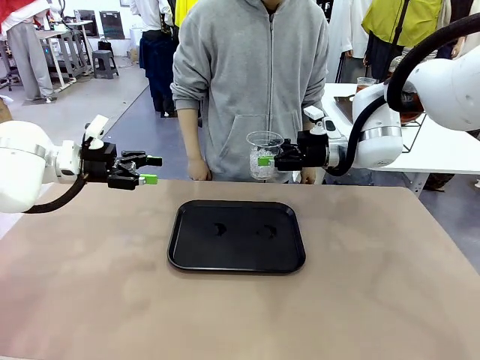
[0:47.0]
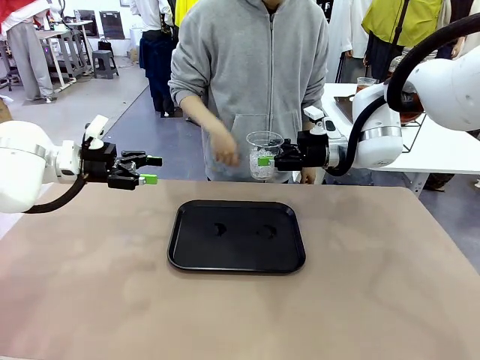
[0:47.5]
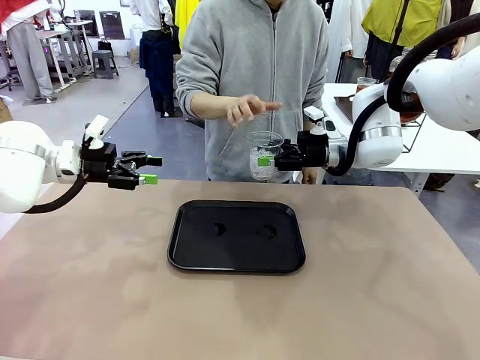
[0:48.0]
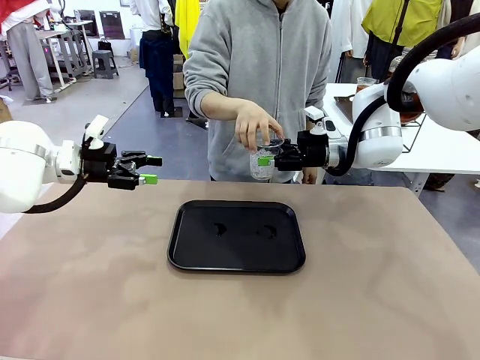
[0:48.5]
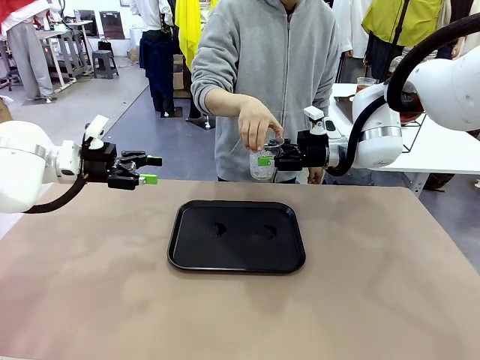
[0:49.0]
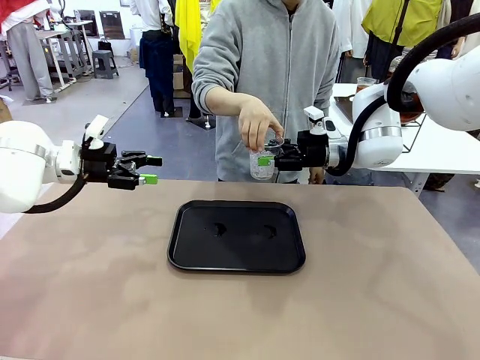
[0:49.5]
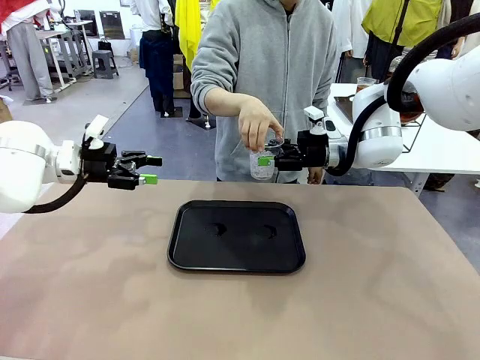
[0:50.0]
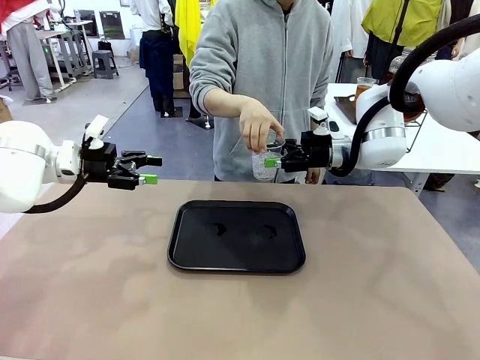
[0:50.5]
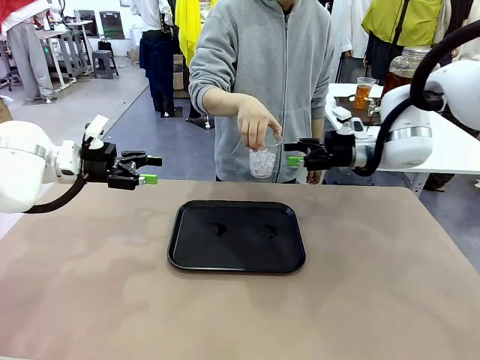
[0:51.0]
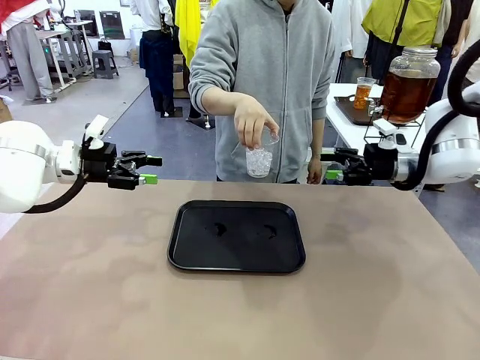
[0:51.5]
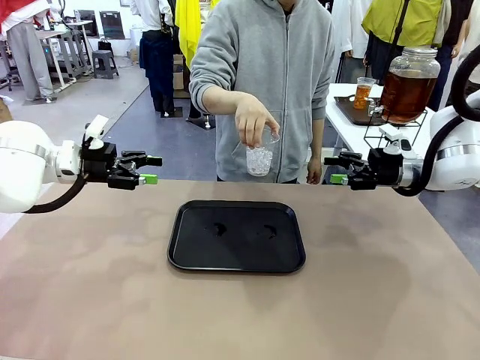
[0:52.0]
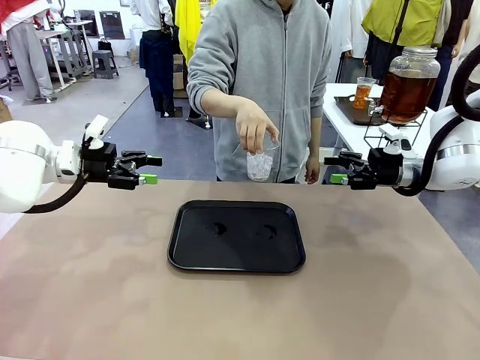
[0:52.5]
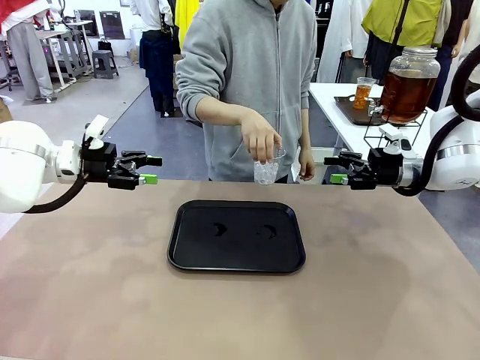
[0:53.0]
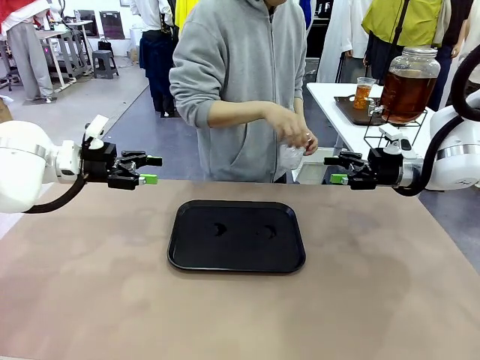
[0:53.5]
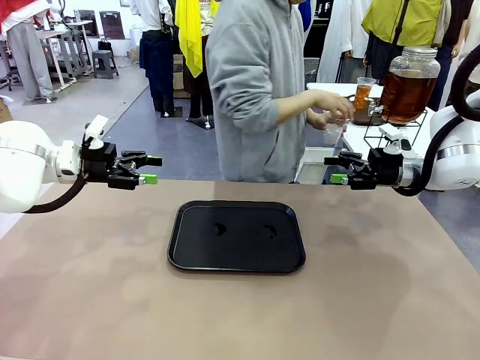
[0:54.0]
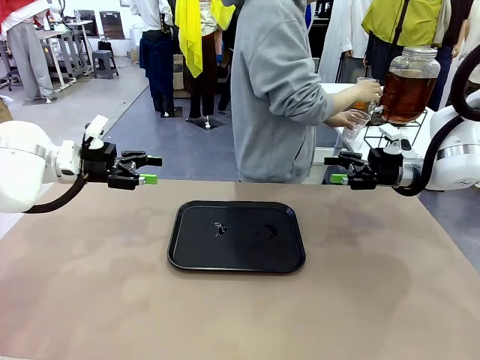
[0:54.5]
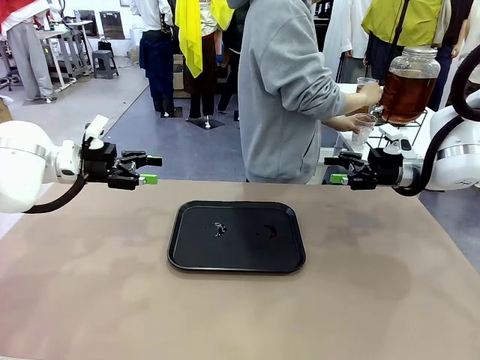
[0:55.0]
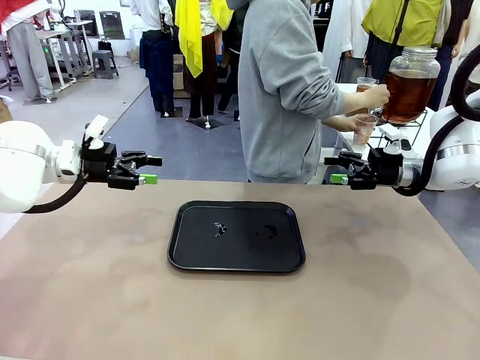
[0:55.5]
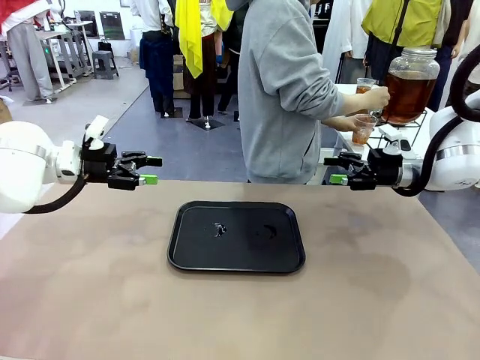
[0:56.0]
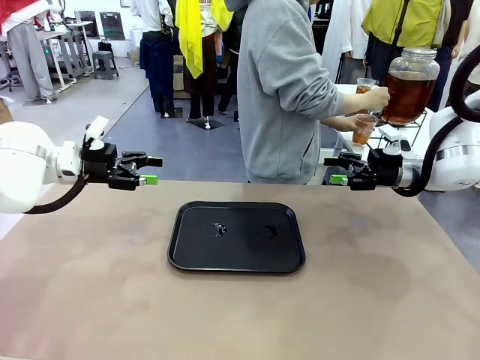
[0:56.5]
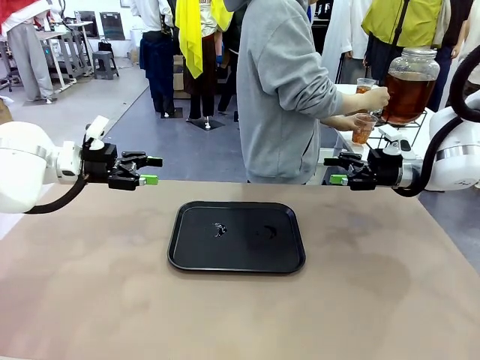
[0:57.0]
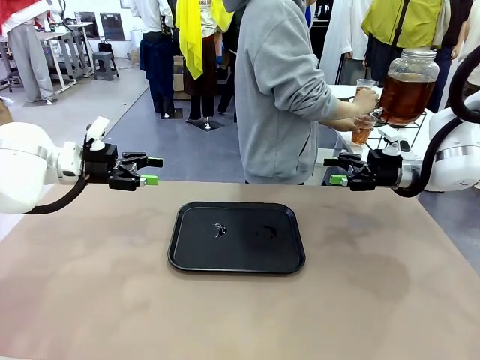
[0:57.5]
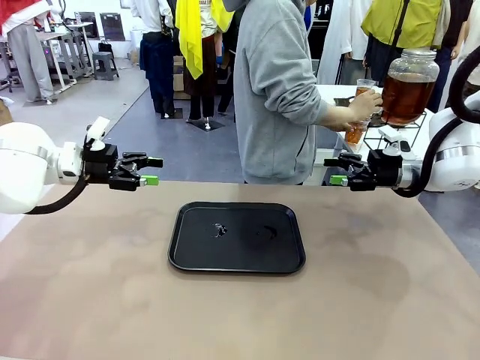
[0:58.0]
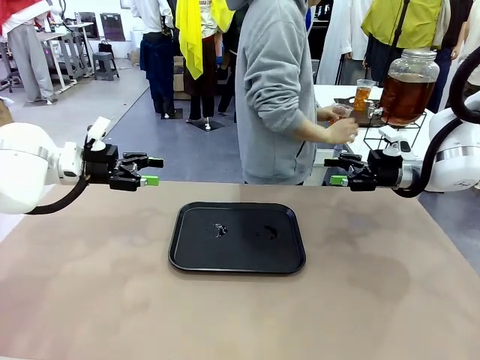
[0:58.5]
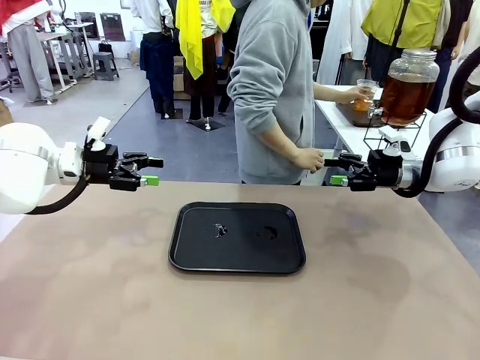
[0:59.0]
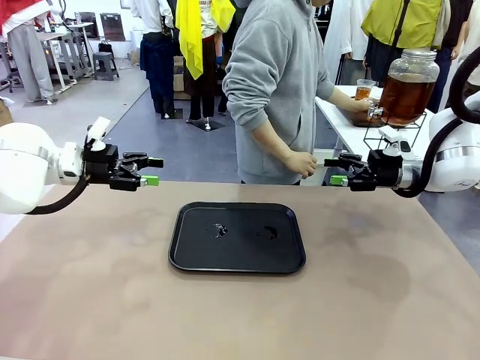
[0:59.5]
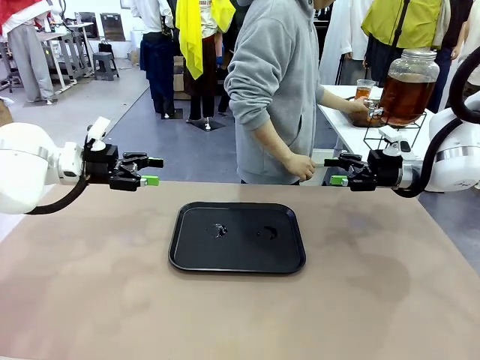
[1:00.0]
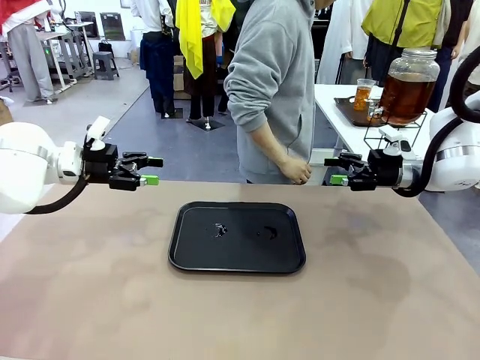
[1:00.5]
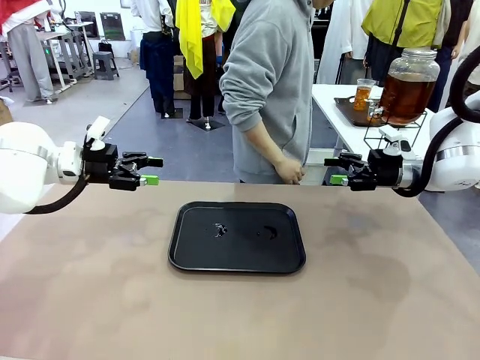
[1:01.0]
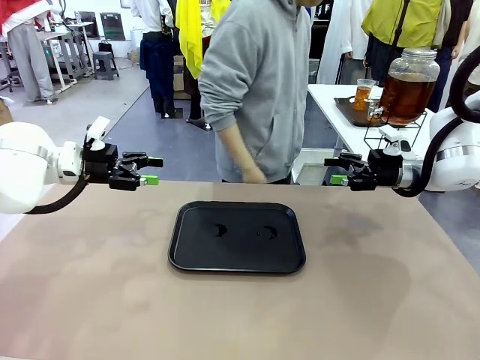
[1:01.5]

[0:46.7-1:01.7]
Task: Pour the drink into the iced cup.
Robot: Open the gripper to release the iced cup you were holding.
Person: Move the picked-up cup under the dispenser faucet, pour the drink, and place it on the tray on the human table.

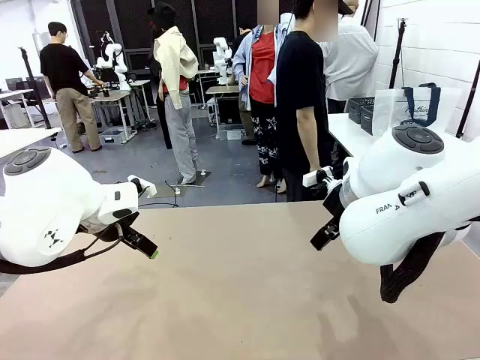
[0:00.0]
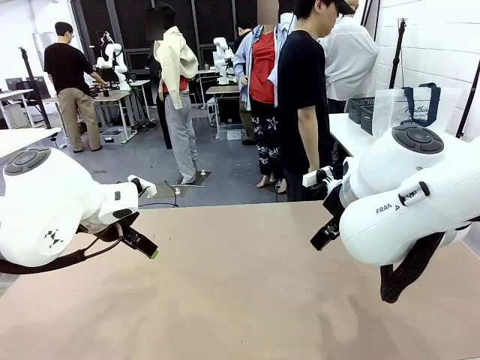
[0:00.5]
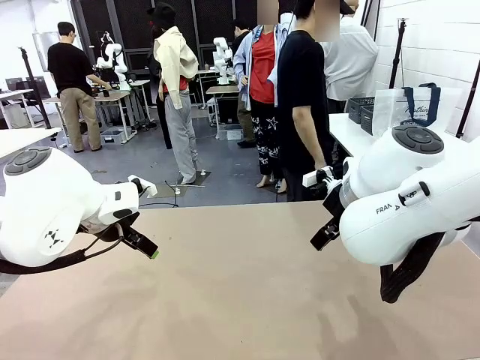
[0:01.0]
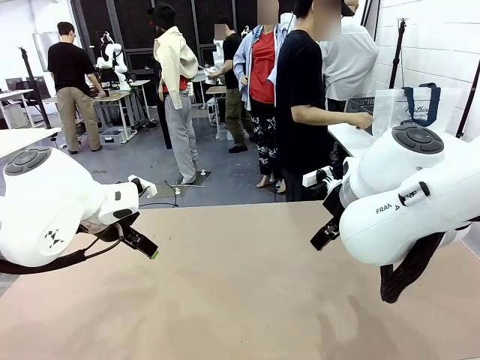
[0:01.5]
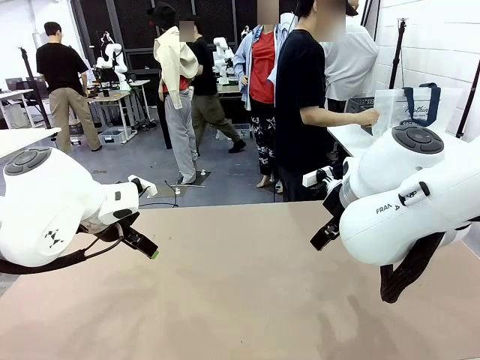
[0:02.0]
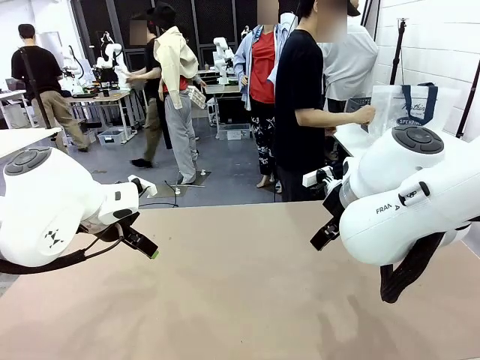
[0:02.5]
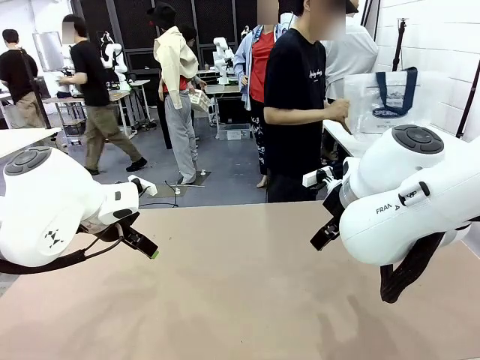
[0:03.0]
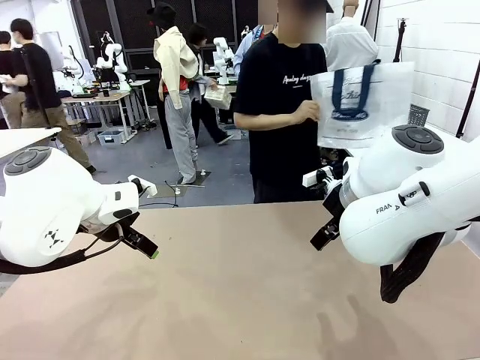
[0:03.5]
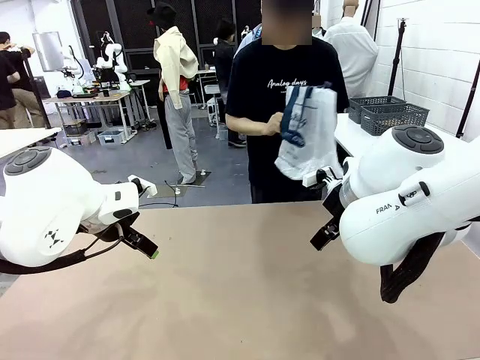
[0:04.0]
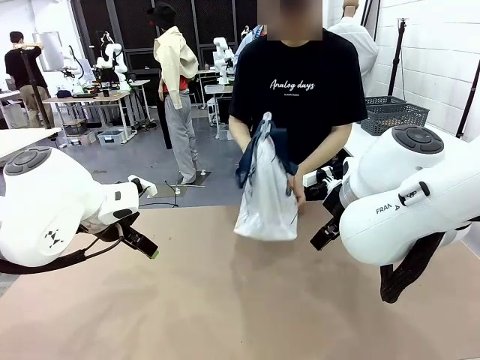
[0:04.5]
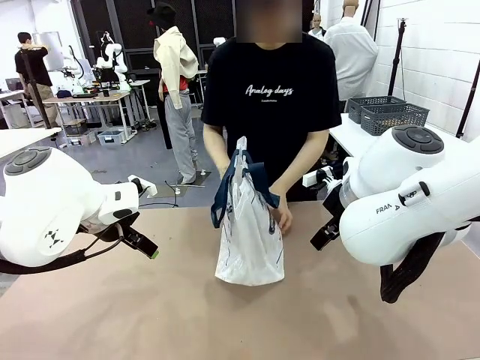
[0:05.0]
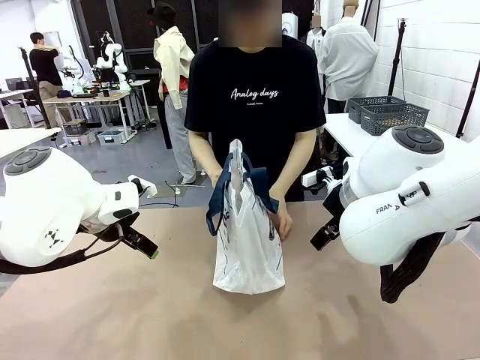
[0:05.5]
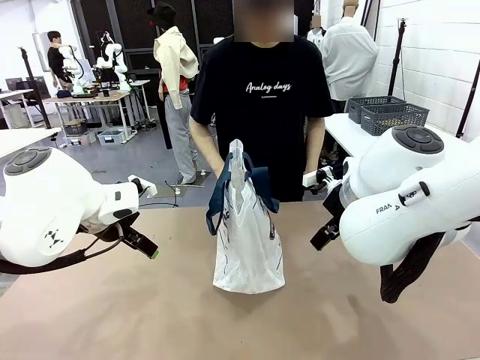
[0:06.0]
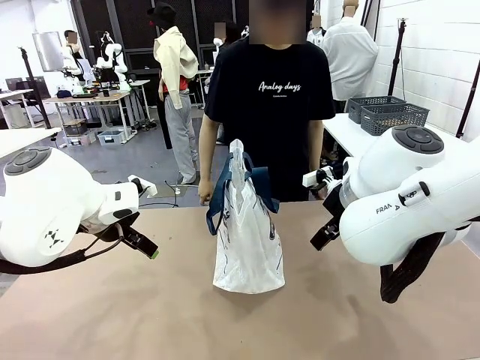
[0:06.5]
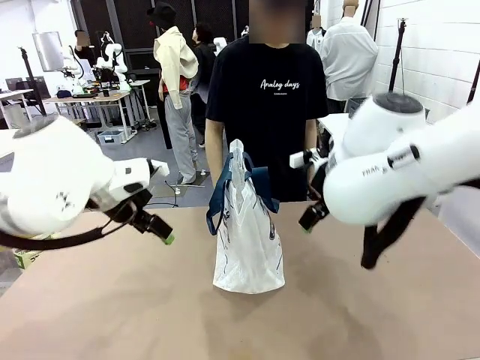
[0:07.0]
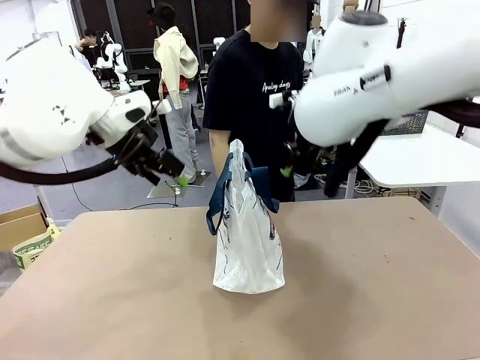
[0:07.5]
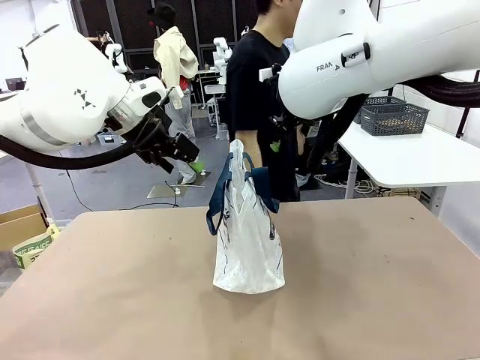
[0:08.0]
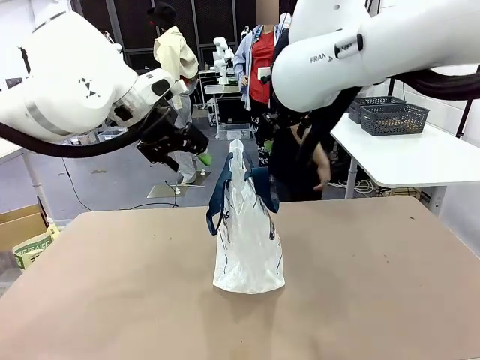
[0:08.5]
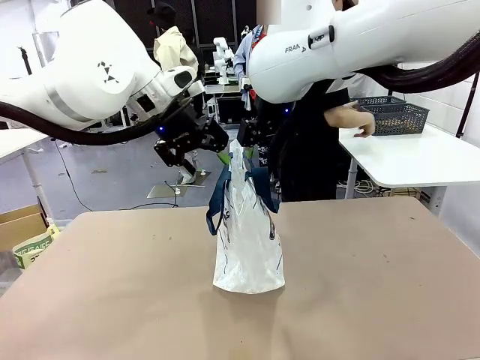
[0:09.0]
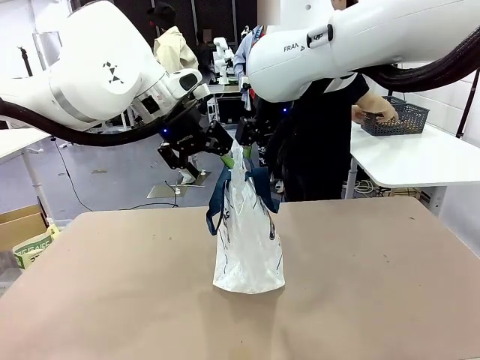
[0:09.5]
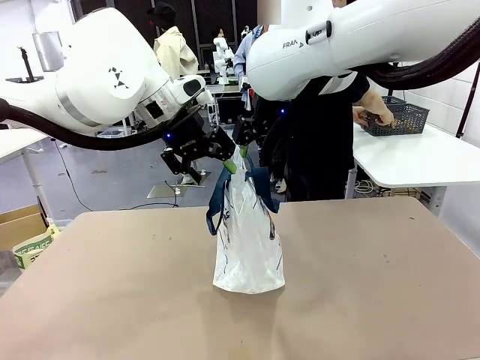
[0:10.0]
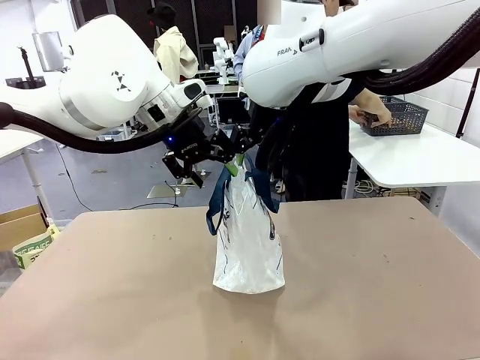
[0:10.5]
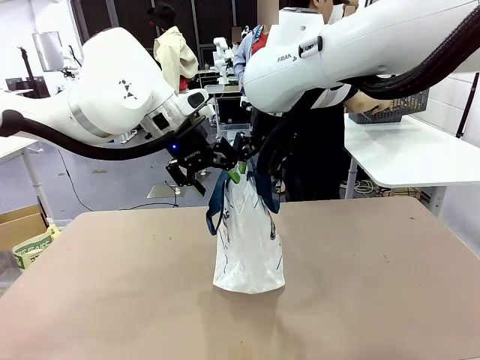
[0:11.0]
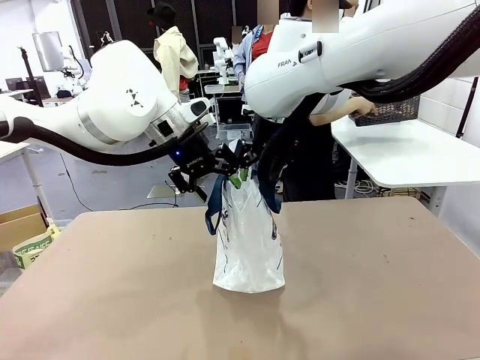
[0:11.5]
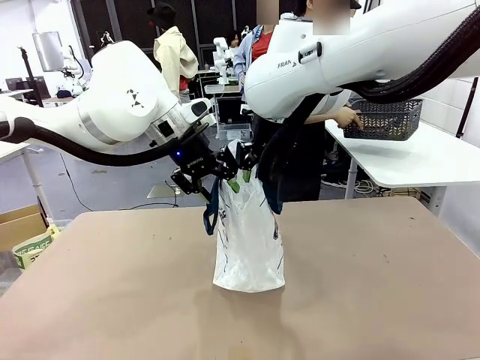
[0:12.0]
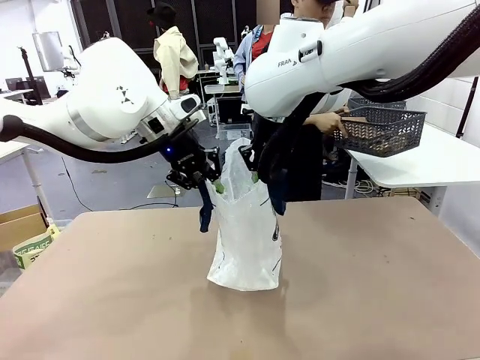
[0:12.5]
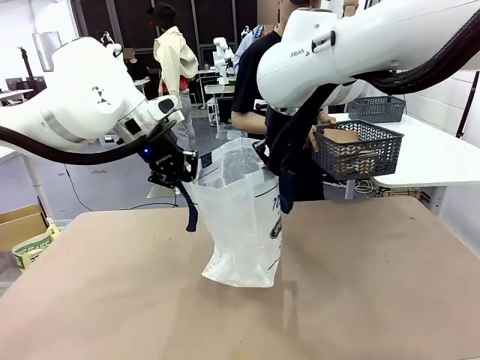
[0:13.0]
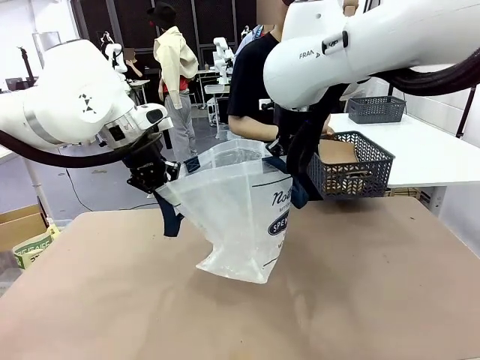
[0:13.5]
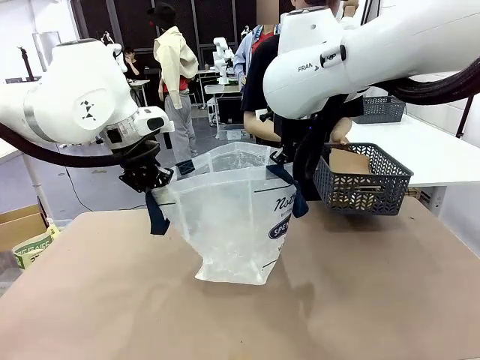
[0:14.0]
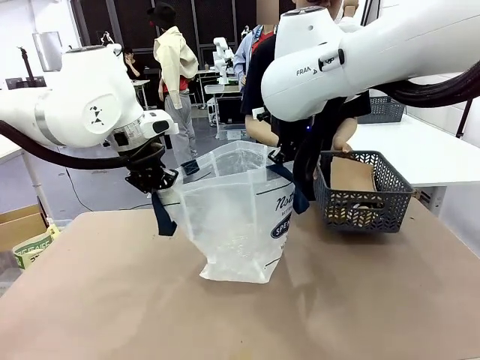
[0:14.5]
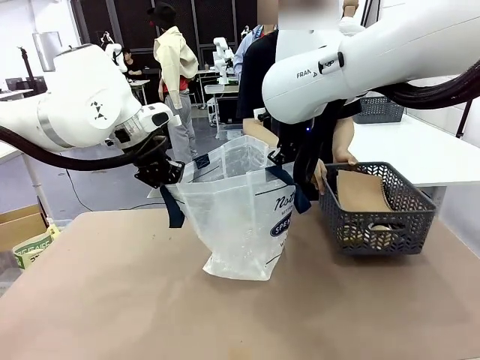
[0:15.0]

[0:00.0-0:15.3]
Task: Transfer purchased items from the store into the shopping bag.
Robot: Open the Reusable shopping bag in the center of the table.
Person: Pick up the shopping bag and place it in the middle of the robot table.
